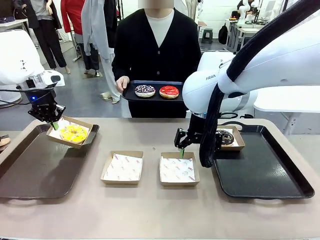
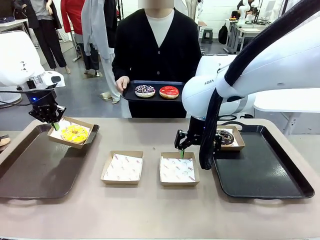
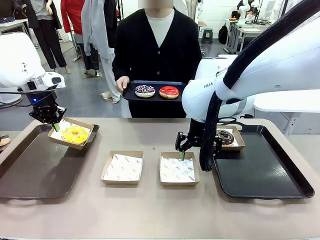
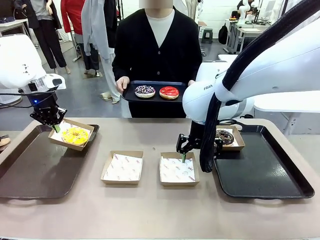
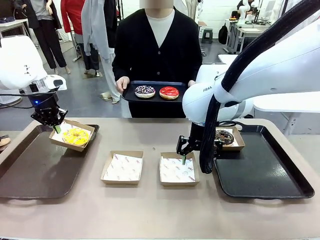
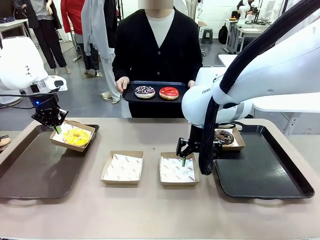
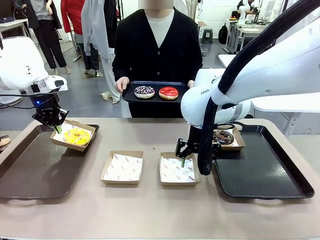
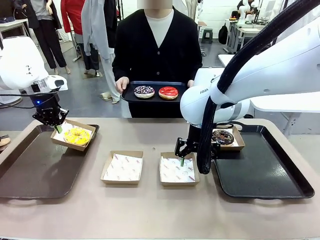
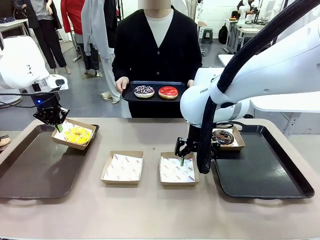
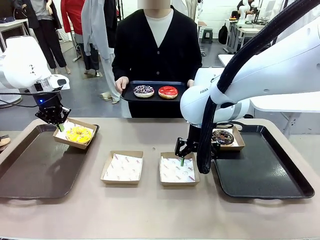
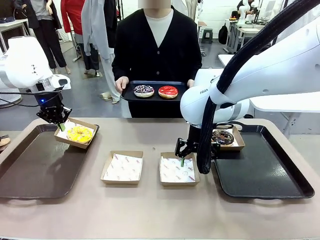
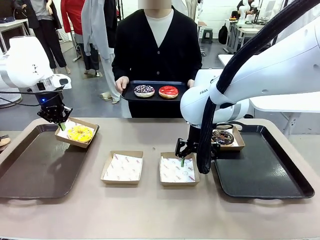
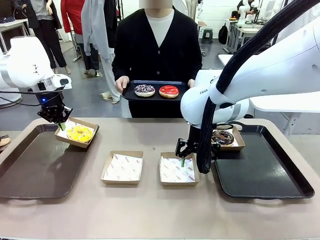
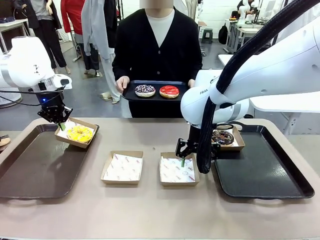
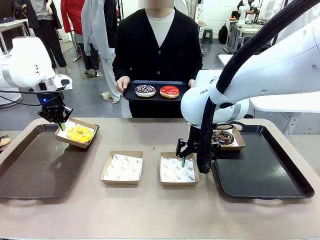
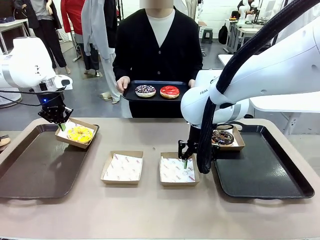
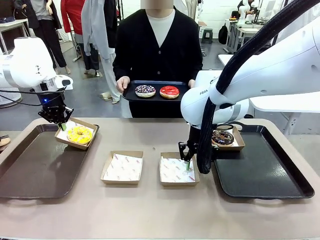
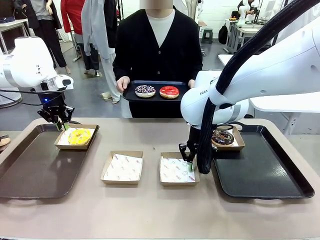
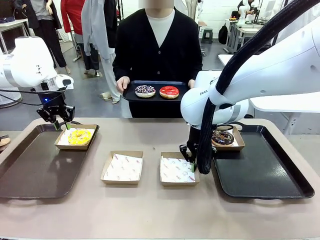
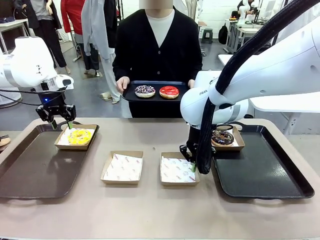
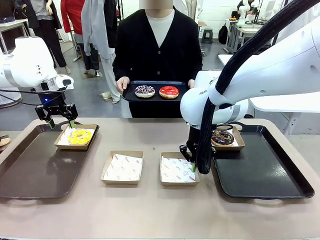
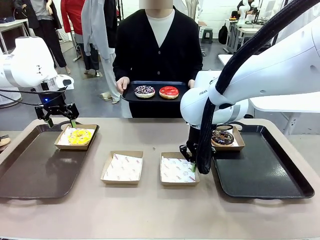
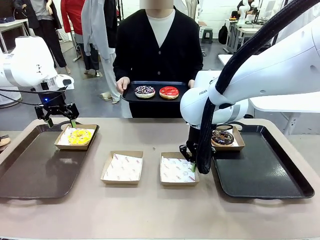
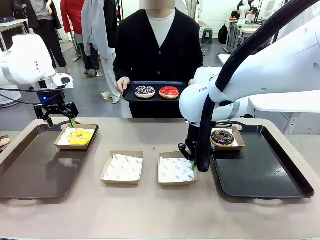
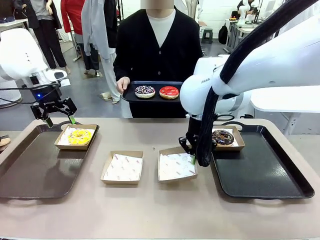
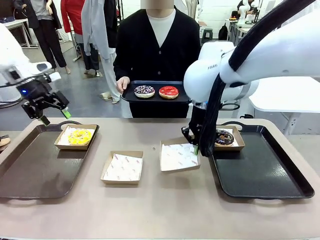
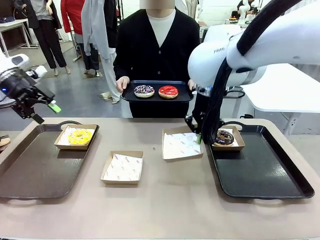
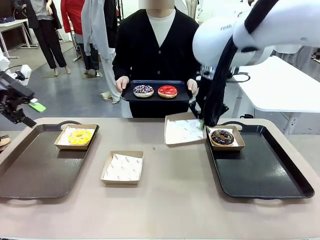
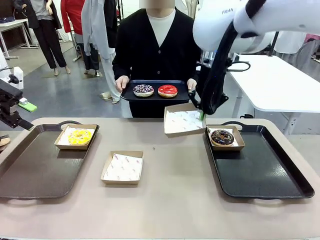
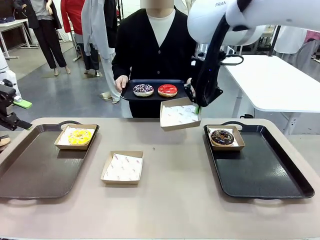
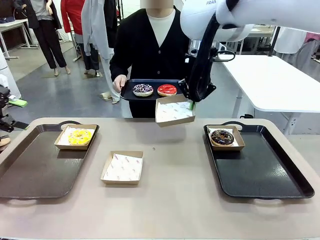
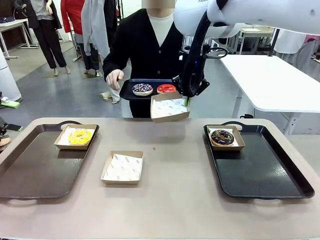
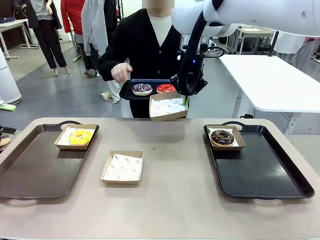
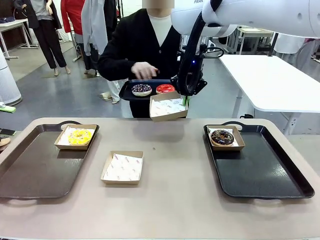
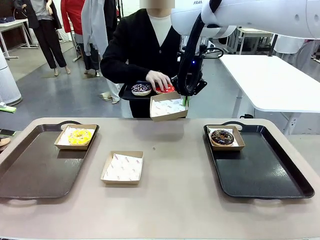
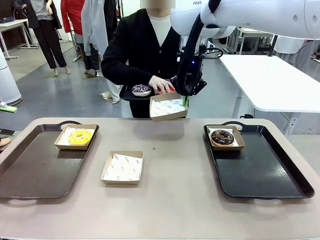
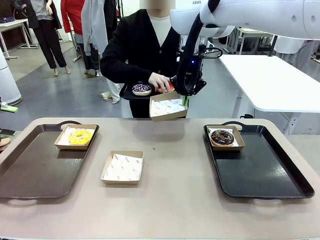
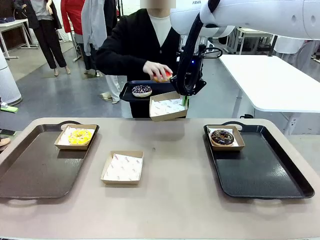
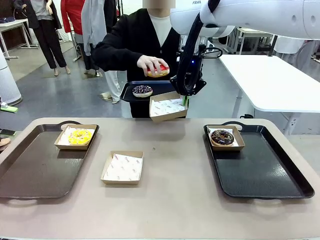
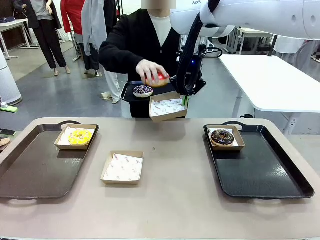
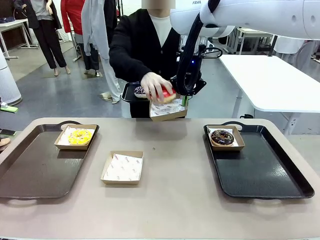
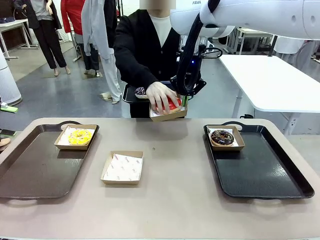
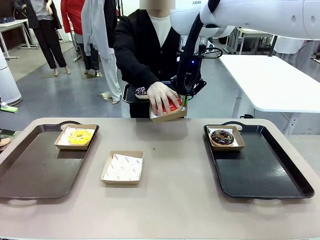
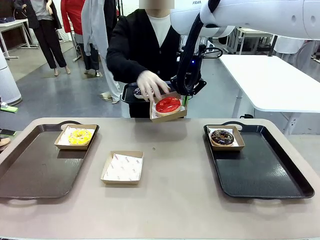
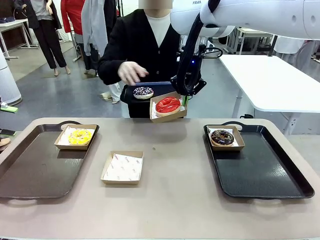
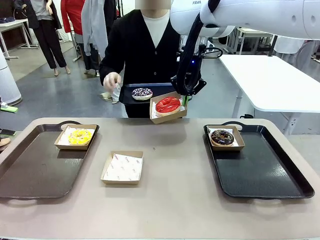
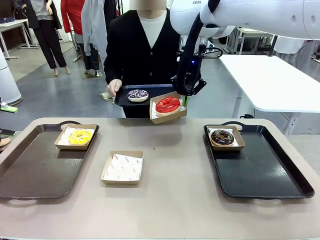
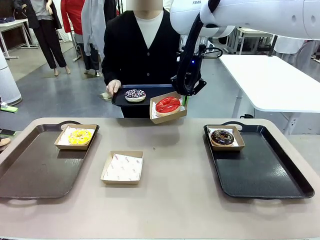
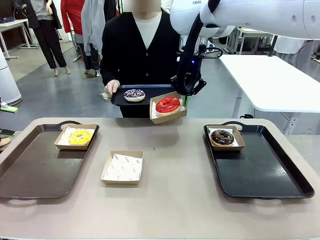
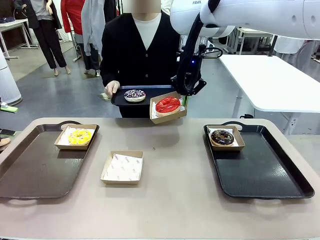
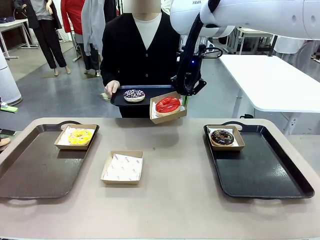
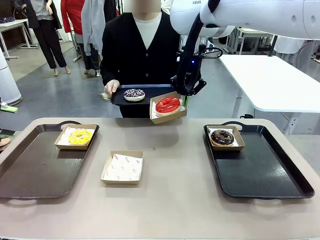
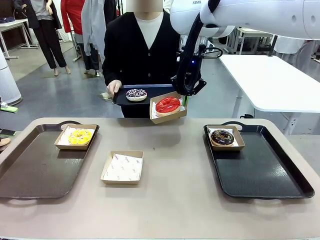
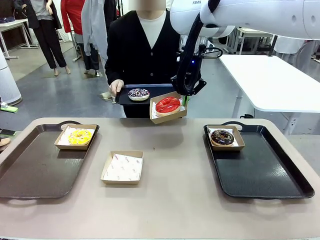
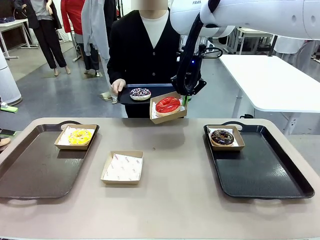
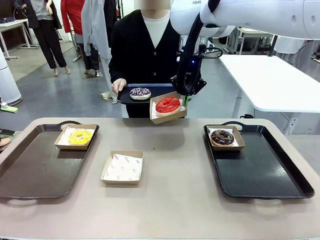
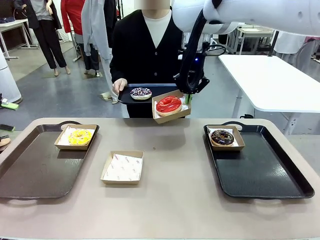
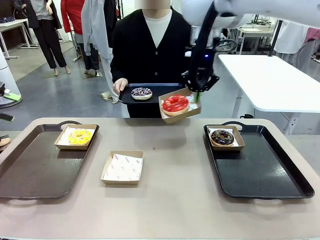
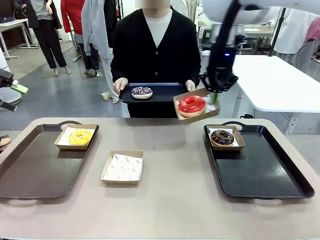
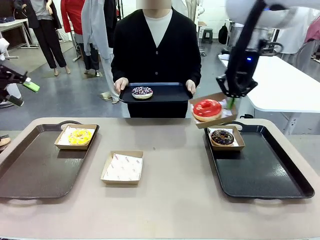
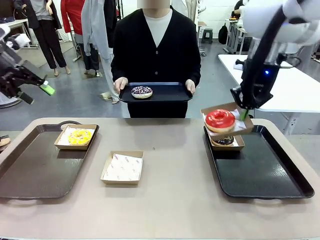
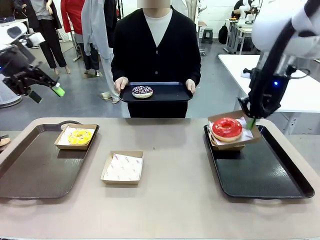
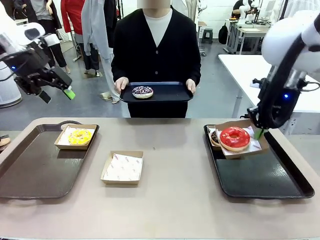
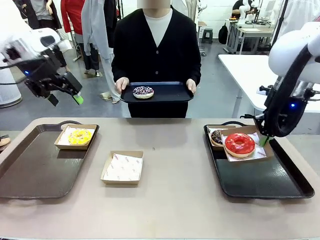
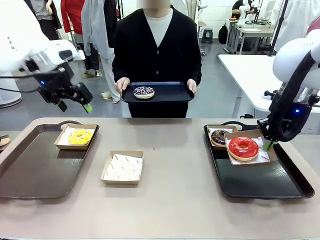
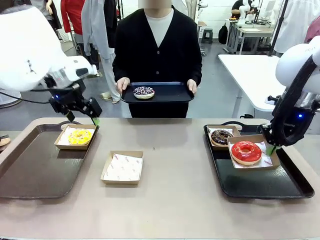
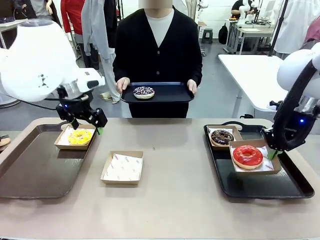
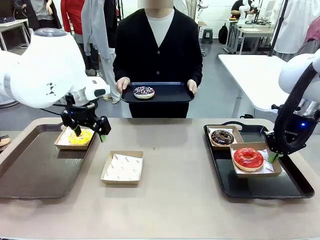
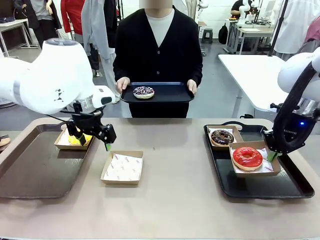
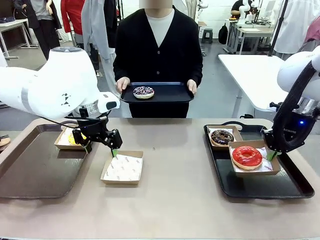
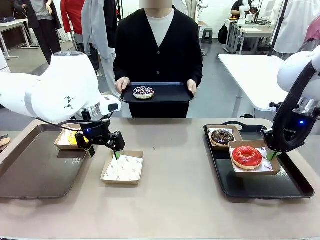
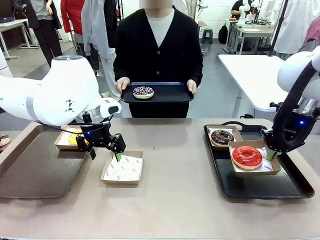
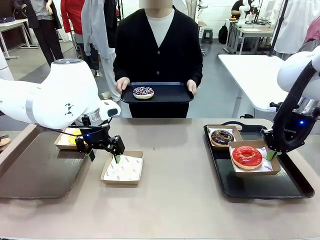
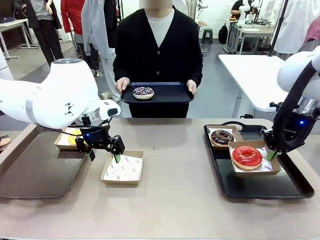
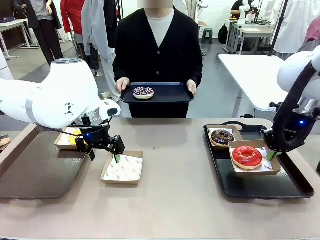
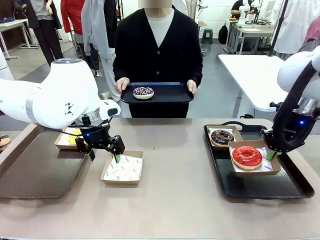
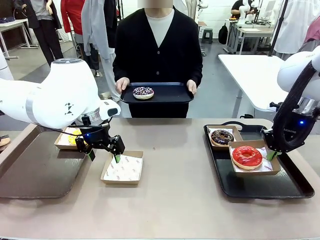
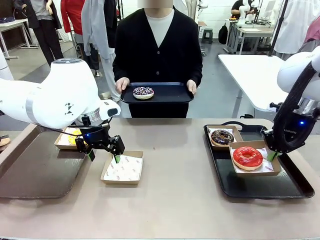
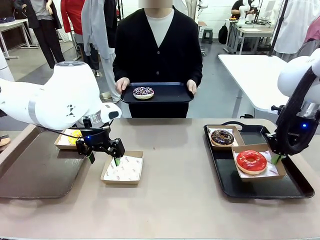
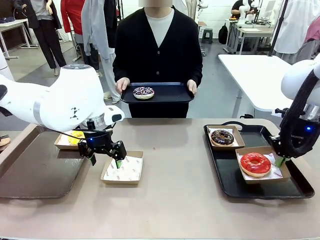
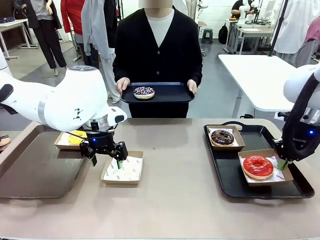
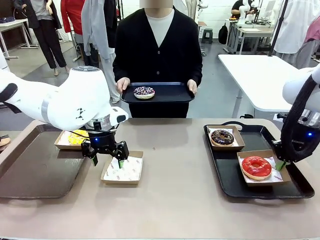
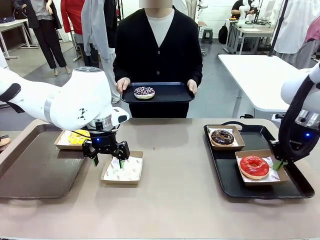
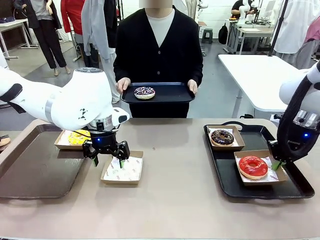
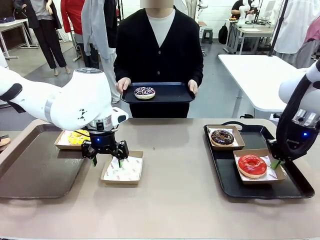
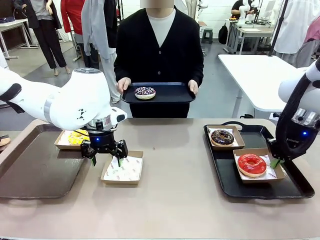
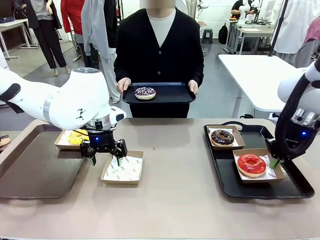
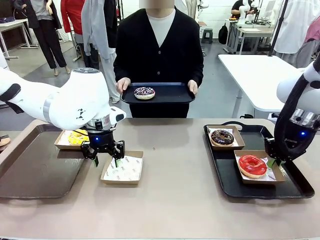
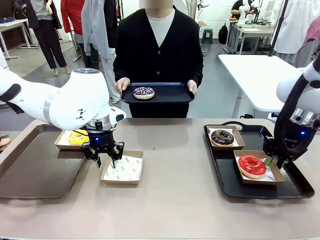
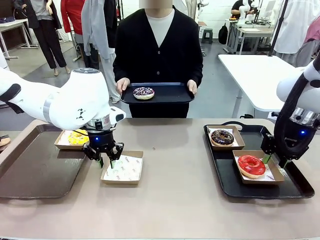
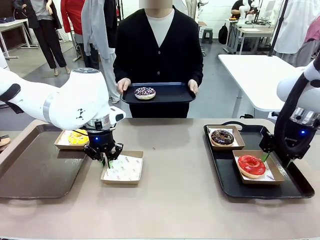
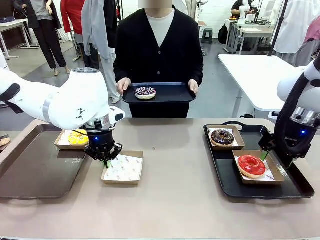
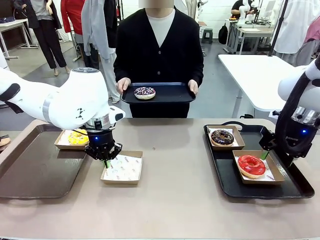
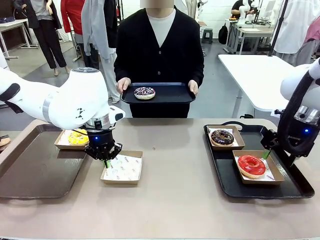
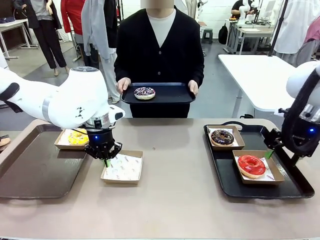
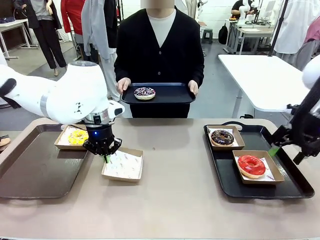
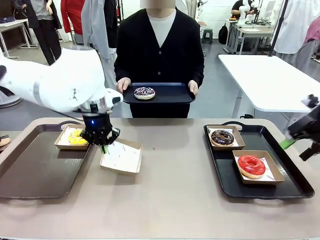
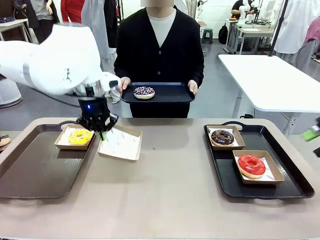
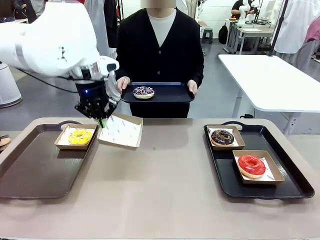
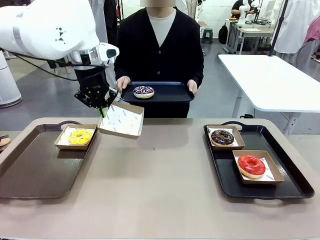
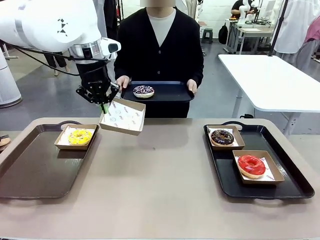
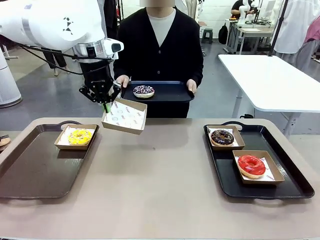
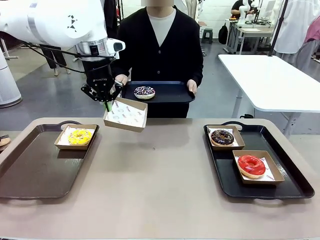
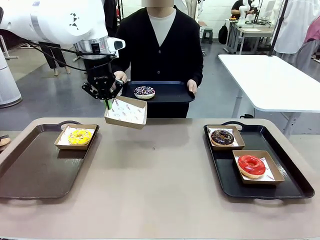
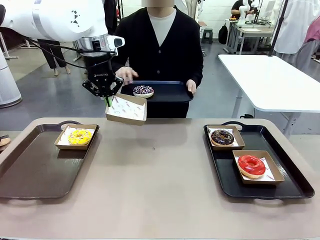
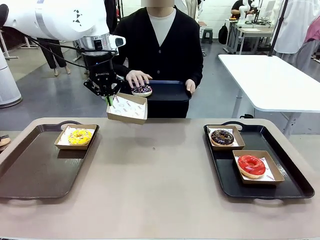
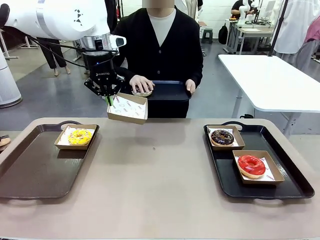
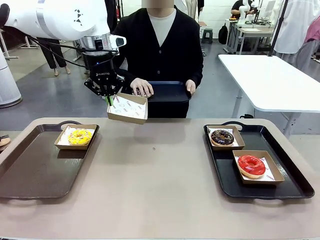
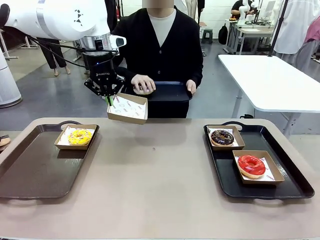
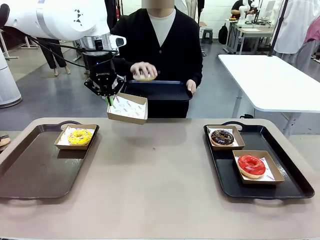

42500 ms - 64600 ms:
Task: Individually package the donuts and arrange them on the tray.
Robot: Place the picked Paper togo box on the Handle tray while simultaneously picking up another Paper togo box from the table with the other hand.
